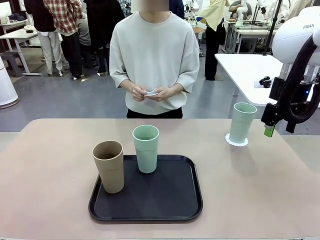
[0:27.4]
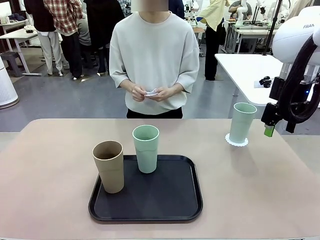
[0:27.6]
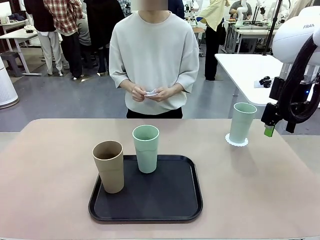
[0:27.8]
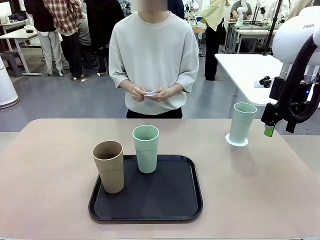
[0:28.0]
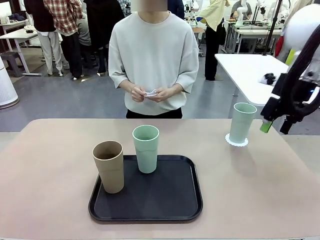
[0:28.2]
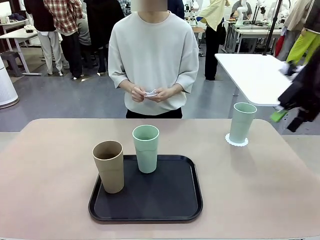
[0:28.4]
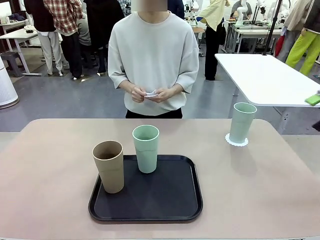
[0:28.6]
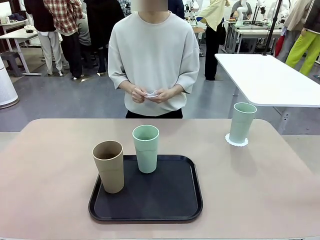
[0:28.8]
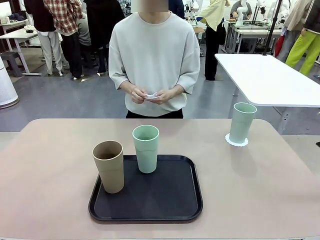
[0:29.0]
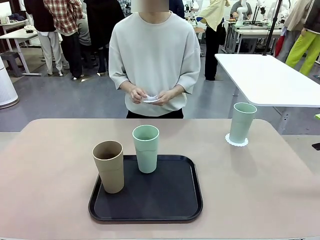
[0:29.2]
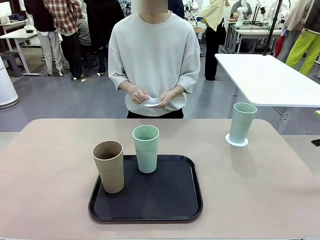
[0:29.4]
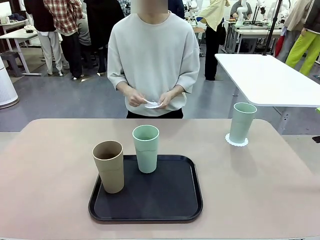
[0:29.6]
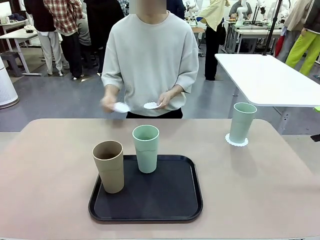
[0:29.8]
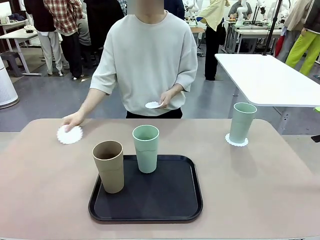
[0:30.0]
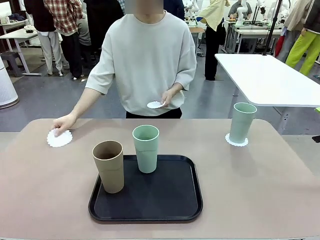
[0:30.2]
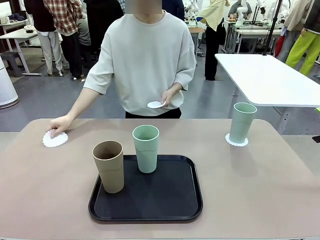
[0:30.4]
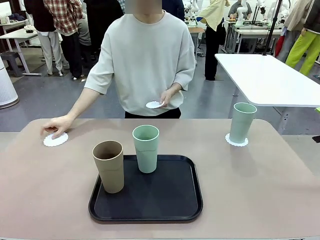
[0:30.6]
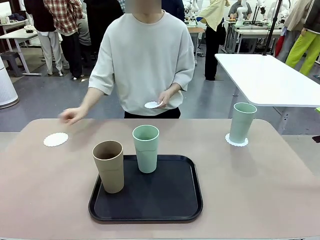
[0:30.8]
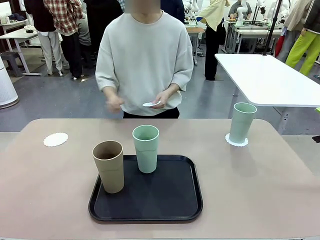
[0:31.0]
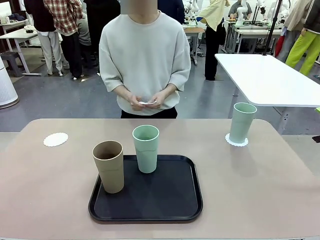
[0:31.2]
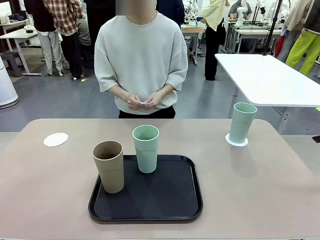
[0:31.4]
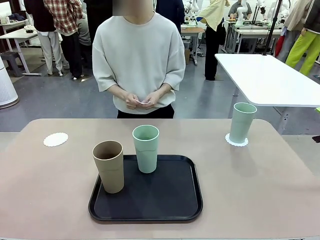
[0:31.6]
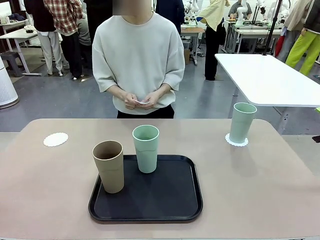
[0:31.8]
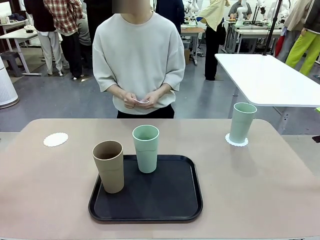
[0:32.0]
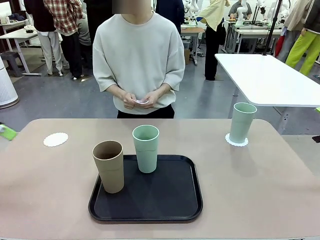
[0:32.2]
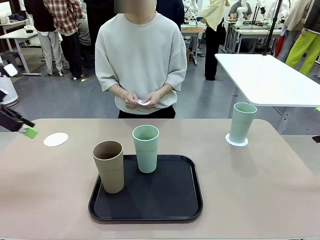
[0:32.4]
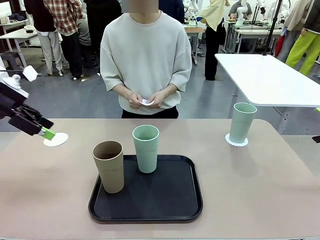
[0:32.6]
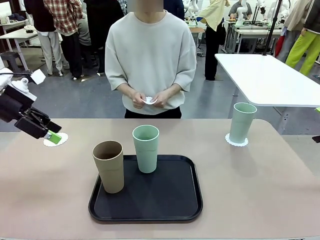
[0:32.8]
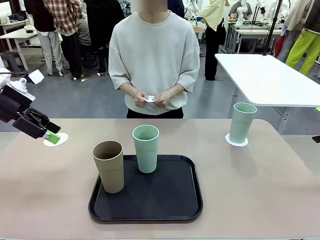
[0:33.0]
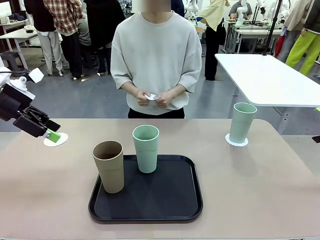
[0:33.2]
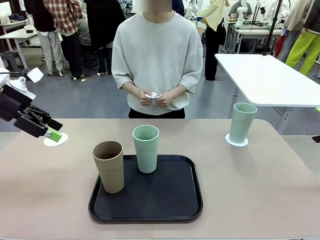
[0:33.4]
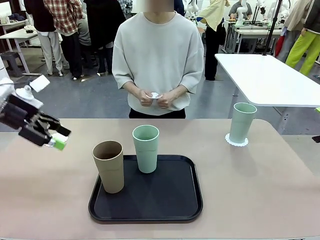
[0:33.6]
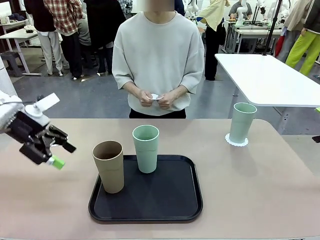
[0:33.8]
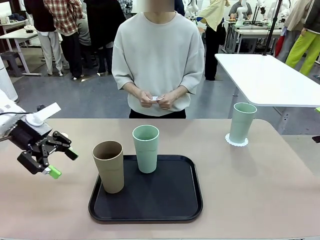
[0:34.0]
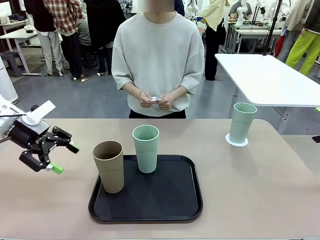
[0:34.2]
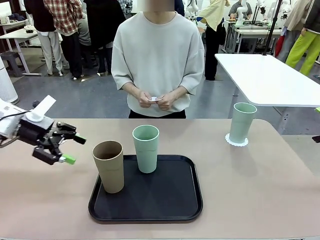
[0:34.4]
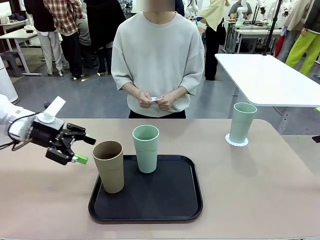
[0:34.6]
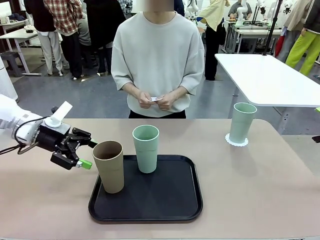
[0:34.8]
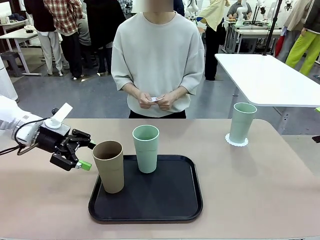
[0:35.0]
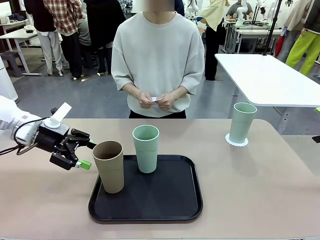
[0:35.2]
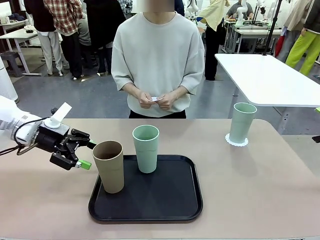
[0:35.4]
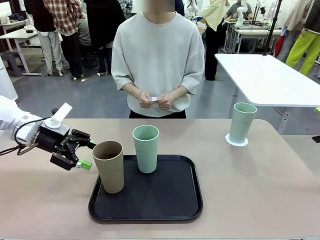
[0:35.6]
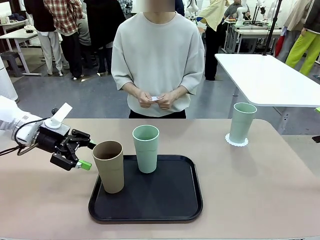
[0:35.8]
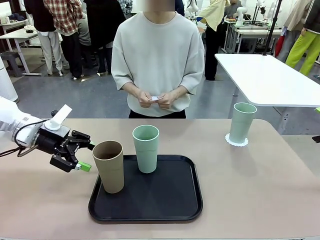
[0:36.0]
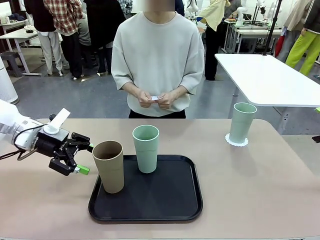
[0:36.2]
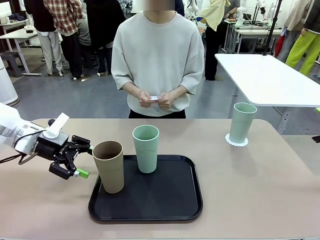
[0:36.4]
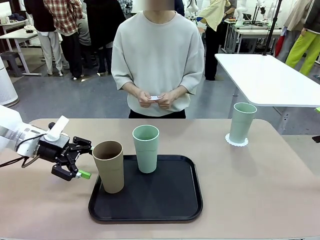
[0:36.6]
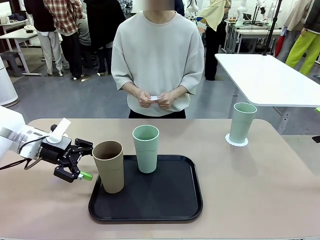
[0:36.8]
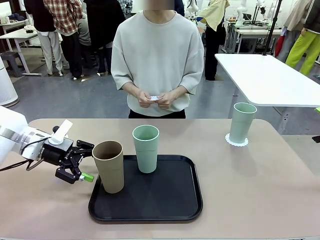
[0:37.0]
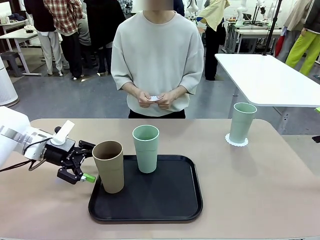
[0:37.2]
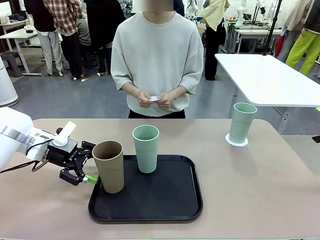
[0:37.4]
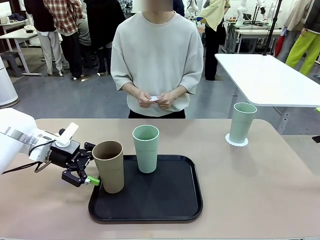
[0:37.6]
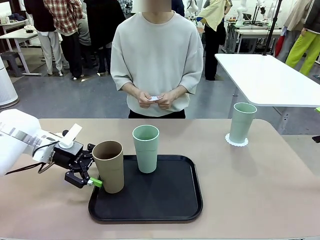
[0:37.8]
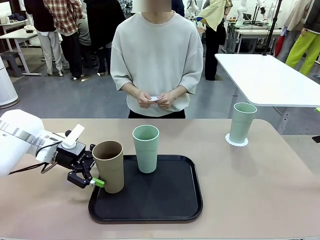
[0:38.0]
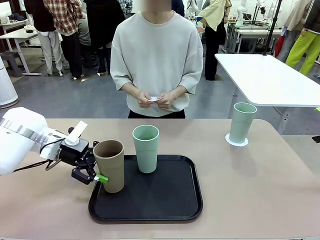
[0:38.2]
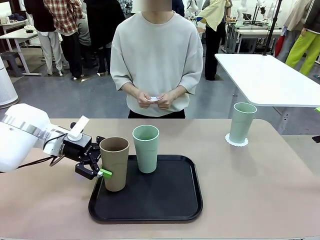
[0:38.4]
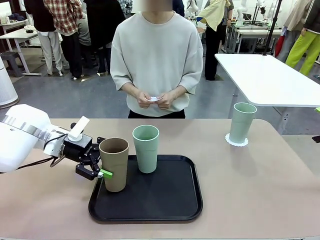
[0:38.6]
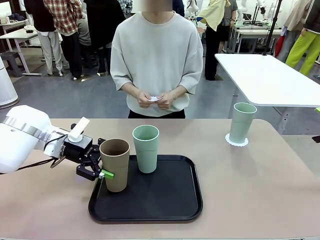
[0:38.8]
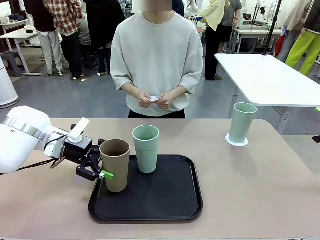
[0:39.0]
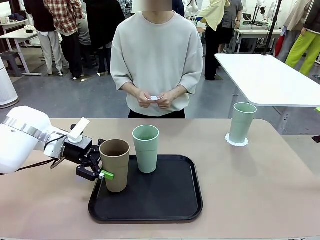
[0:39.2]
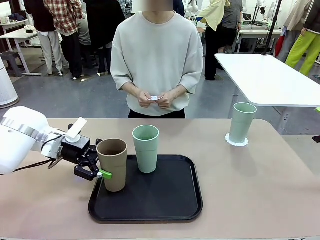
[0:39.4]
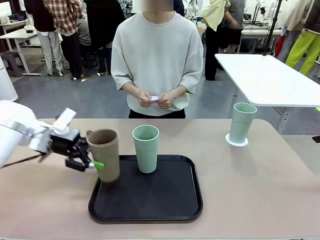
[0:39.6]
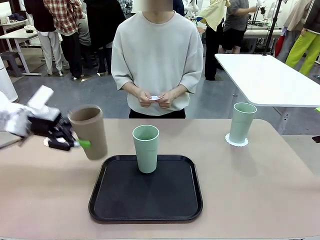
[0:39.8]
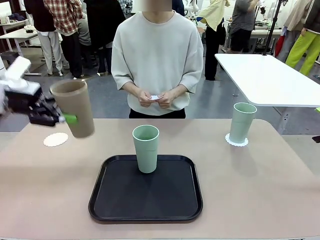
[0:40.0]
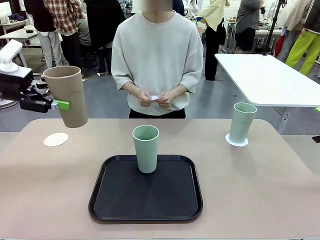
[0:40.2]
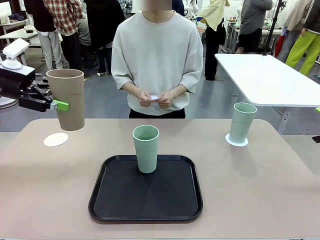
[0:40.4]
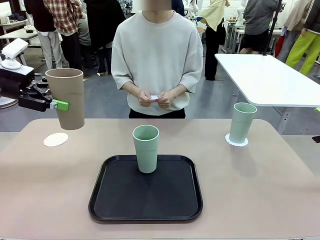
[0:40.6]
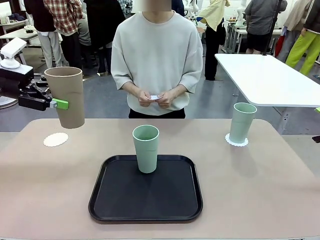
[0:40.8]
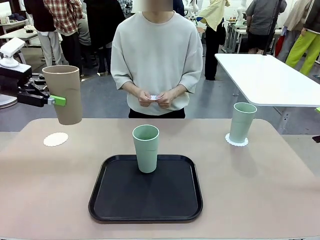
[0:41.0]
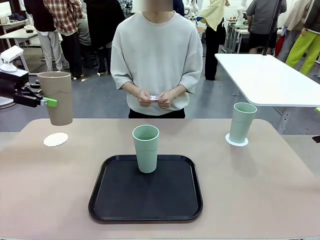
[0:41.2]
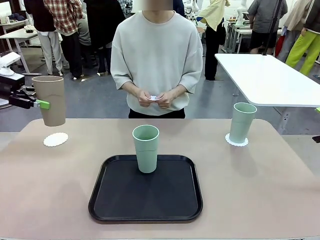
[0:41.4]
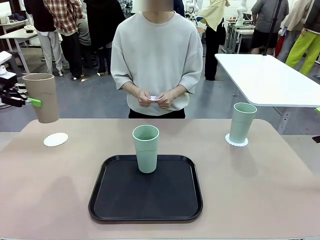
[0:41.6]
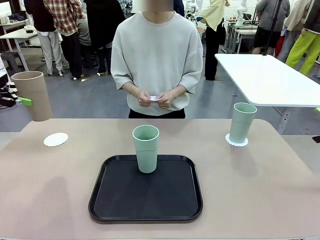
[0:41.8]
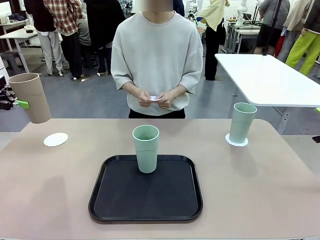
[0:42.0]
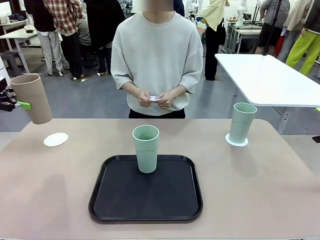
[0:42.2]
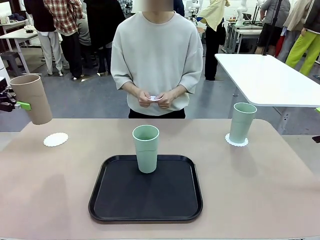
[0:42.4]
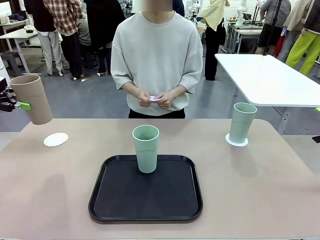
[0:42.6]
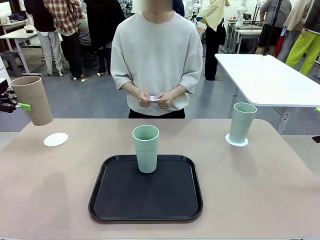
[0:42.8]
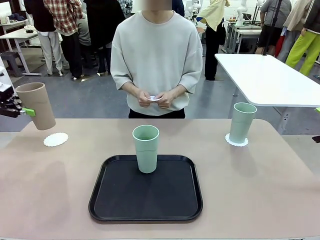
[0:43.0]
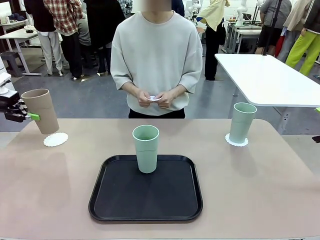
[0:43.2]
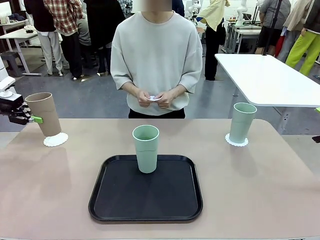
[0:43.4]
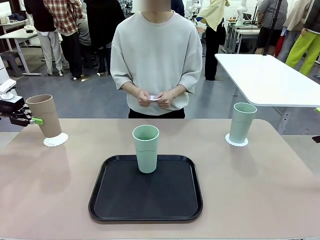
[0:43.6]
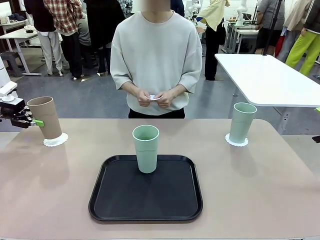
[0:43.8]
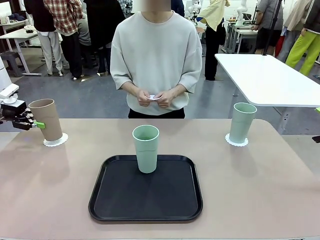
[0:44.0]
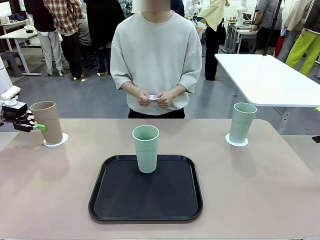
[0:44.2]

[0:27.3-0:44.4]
Task: Place coasters on the table and set cups on them.
Robot: Take one Reusable plastic cup from the Flat Tray and place it on a coaster set by the human.
